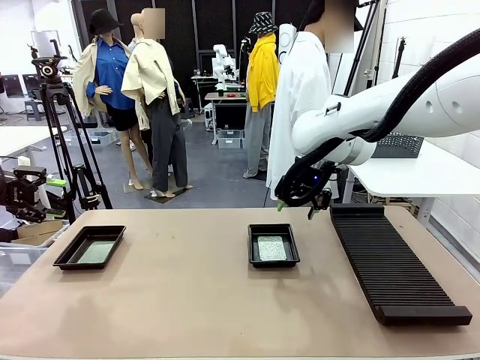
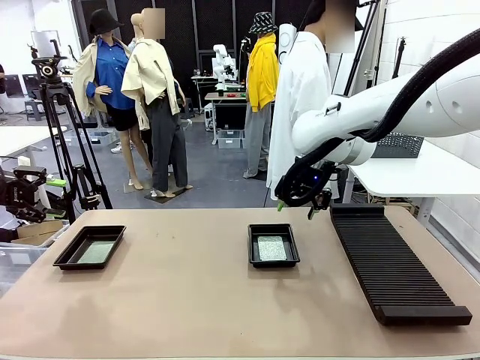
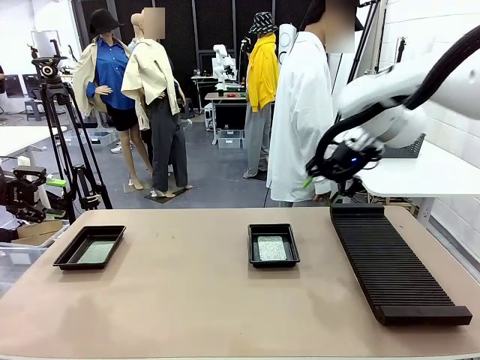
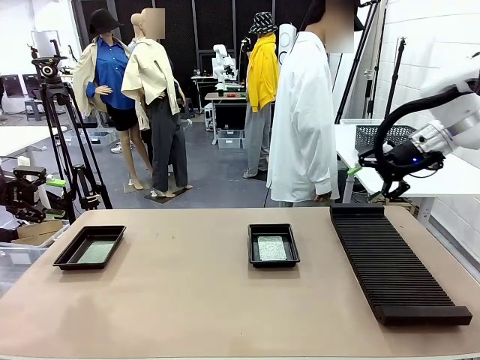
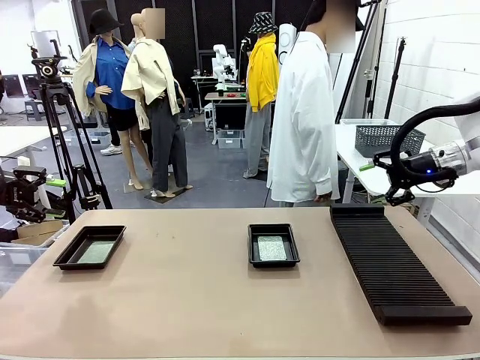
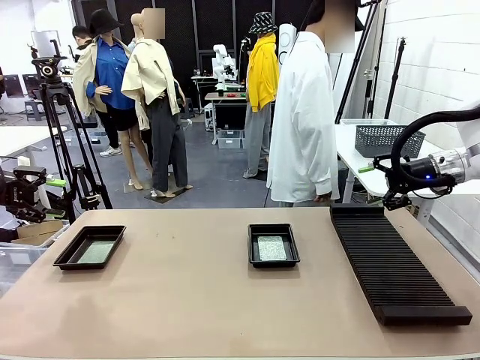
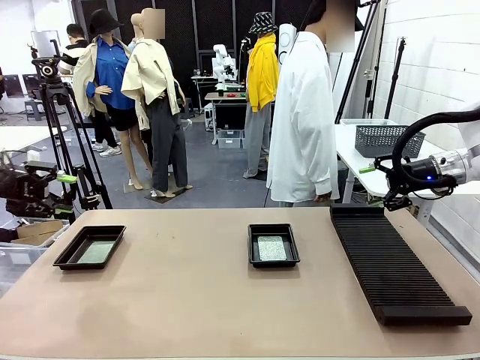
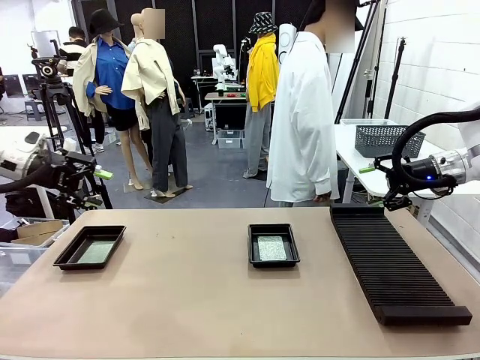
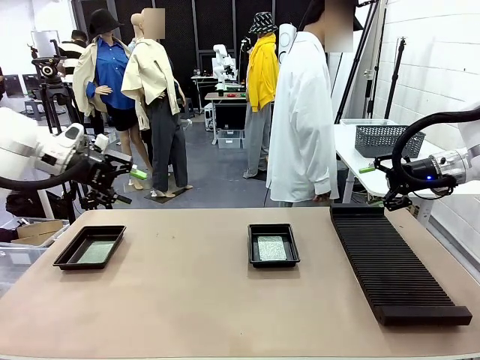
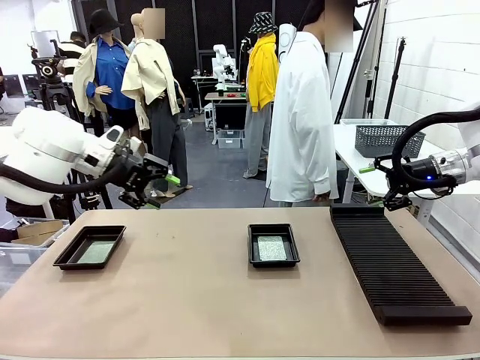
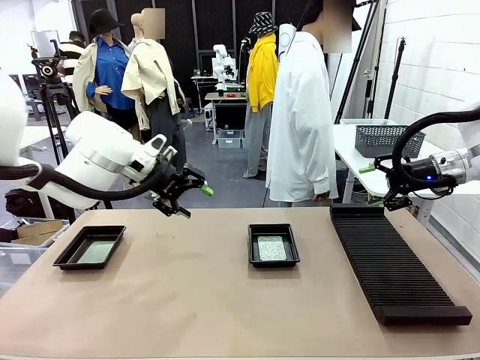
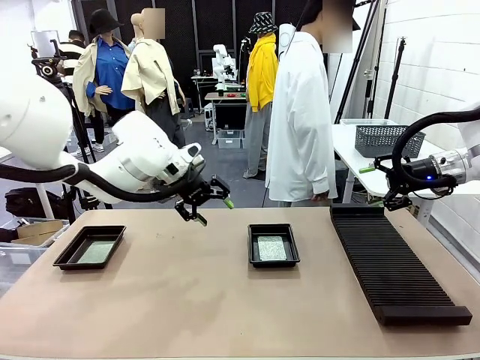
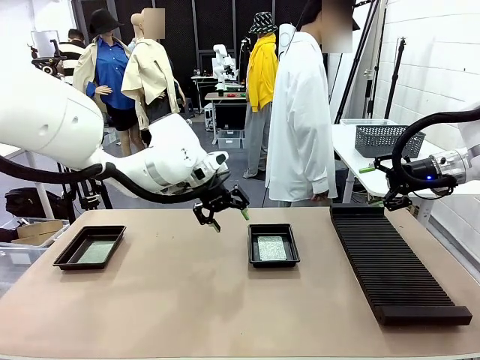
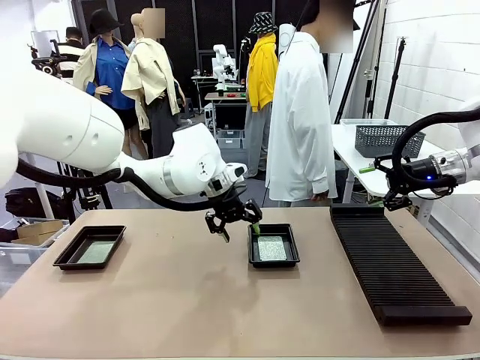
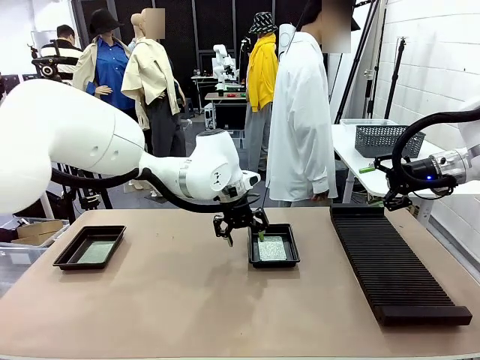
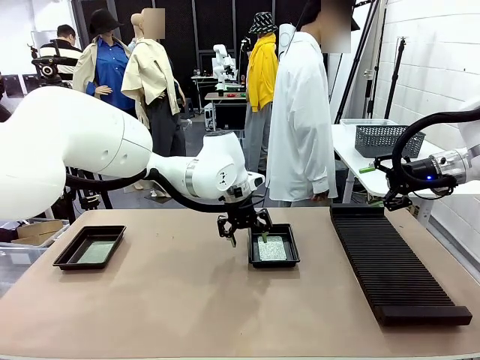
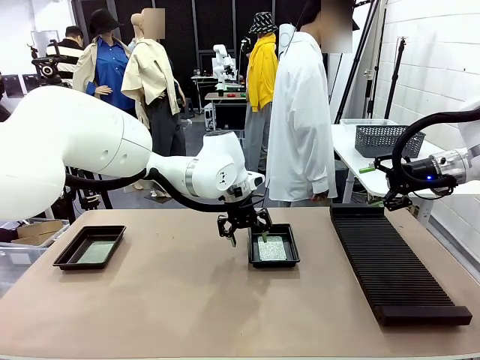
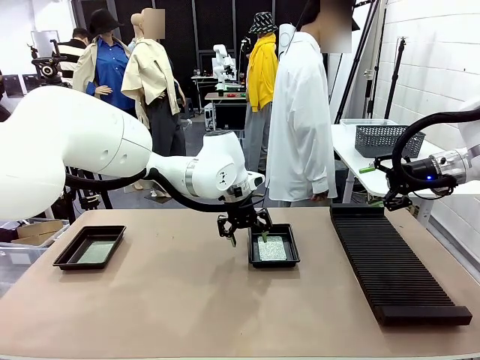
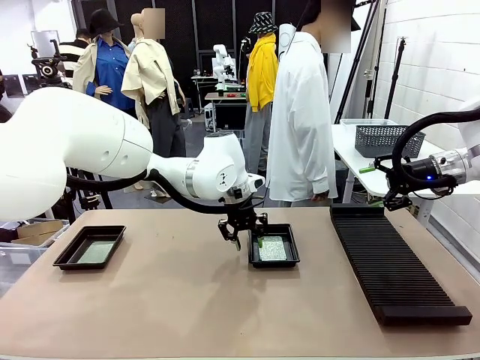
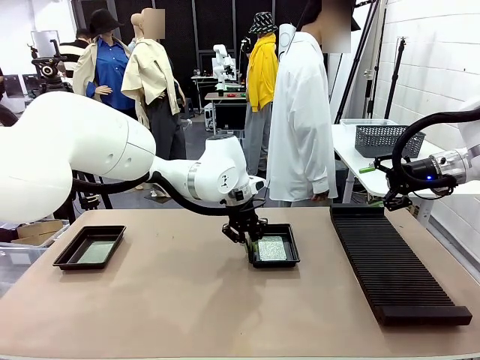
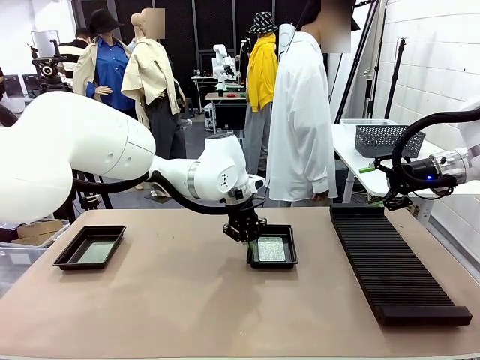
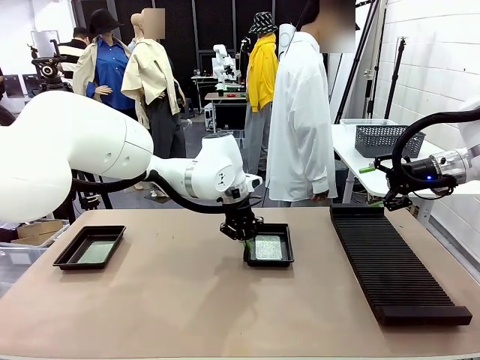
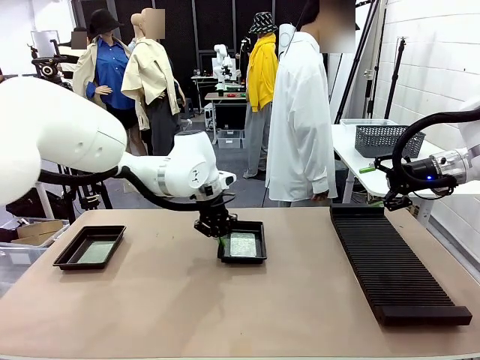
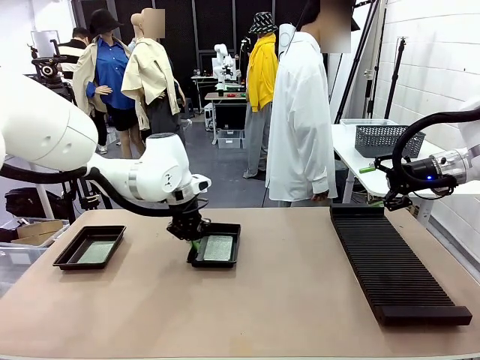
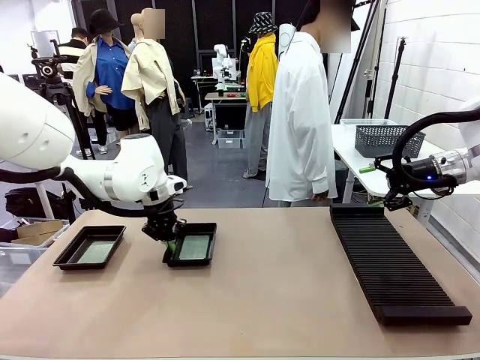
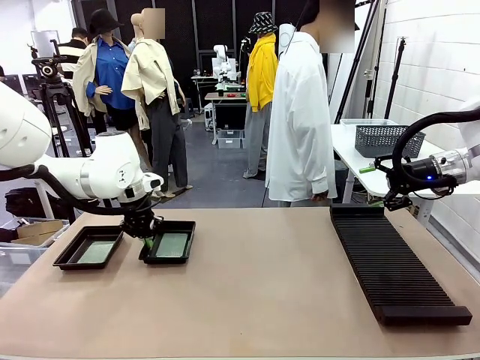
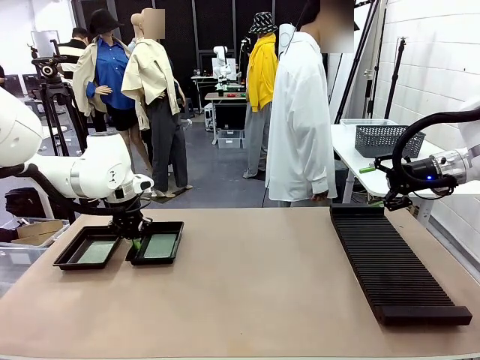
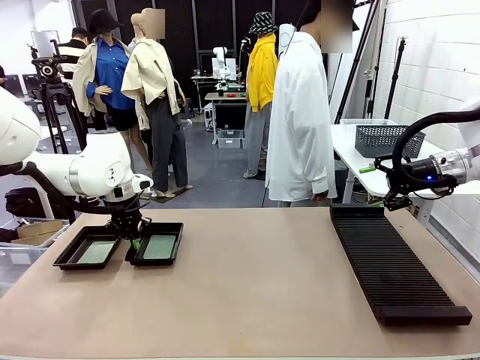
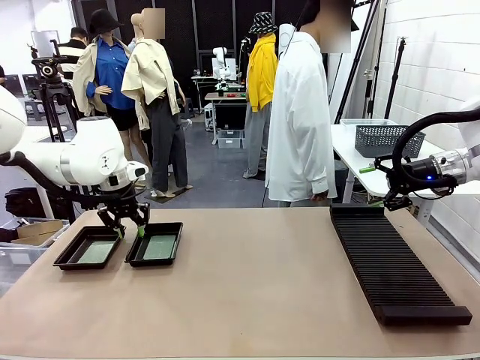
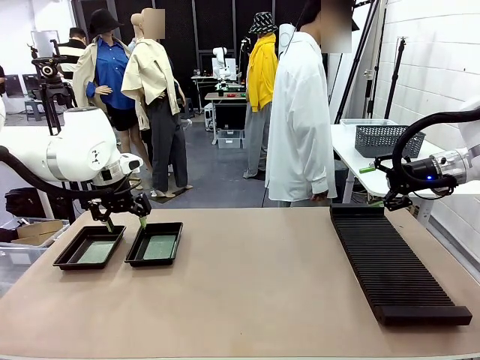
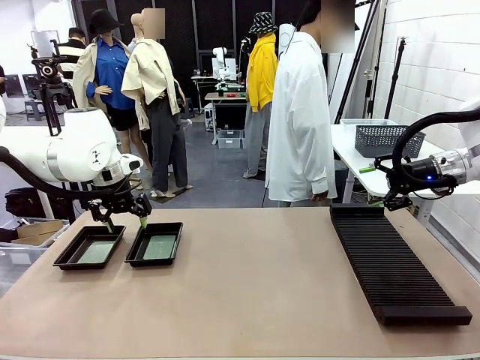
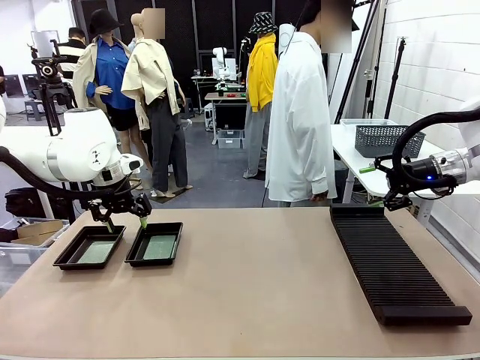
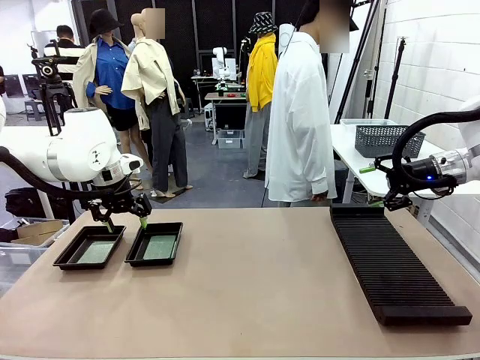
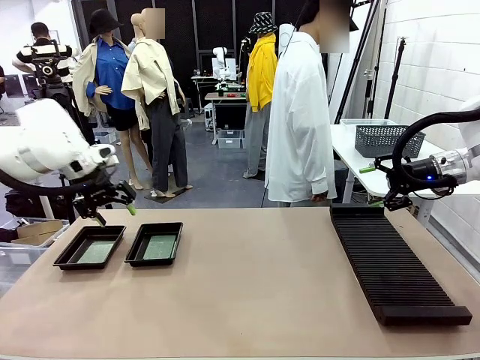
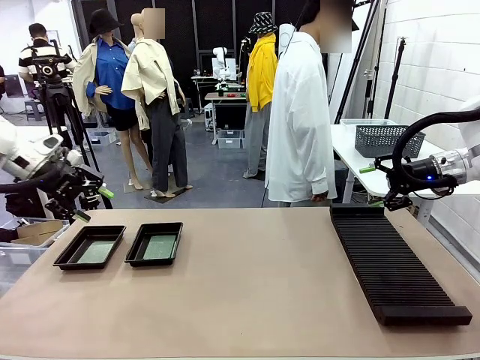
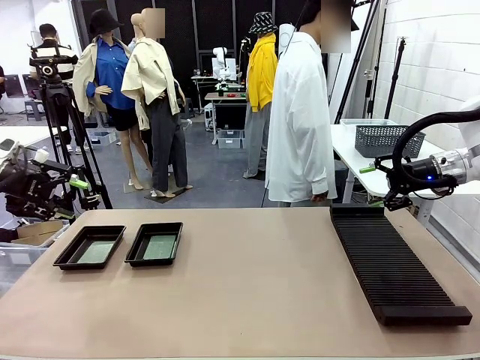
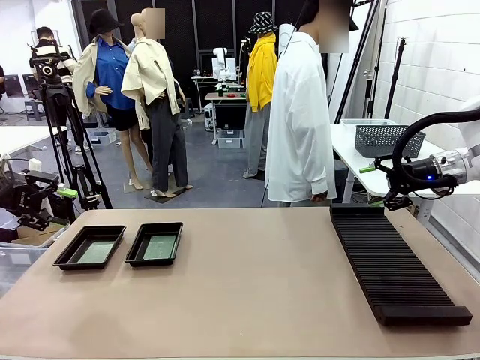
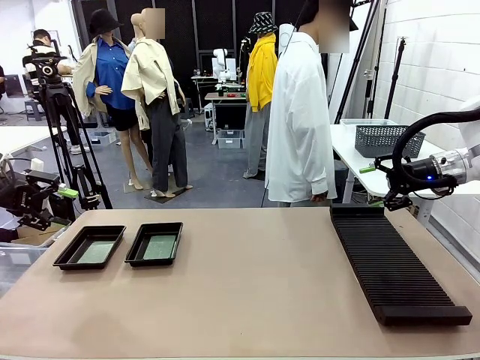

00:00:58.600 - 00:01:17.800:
Task: Inspect and transfer BCBs to ESD trays.
Robot: Pick up the ESD tray and place it on the left side of the table.
